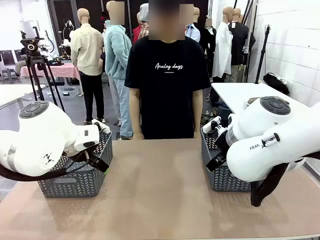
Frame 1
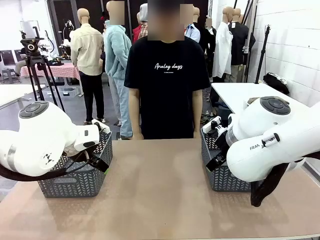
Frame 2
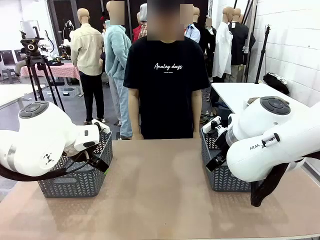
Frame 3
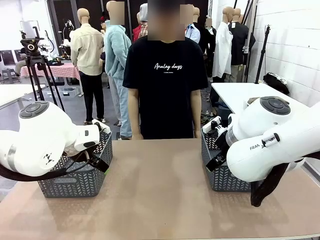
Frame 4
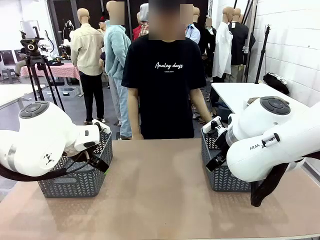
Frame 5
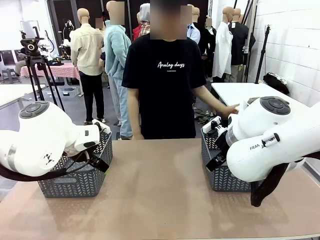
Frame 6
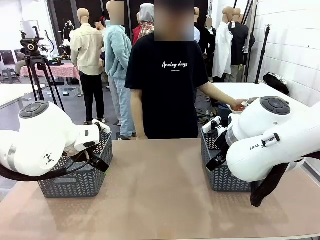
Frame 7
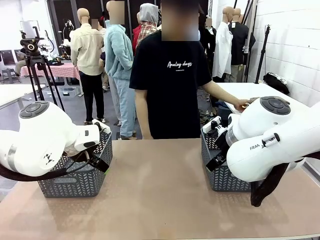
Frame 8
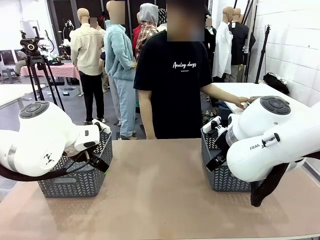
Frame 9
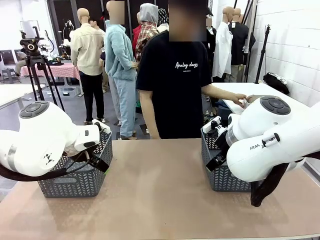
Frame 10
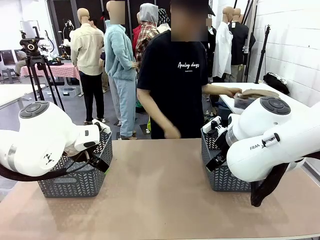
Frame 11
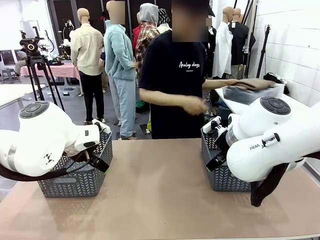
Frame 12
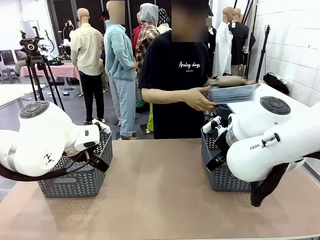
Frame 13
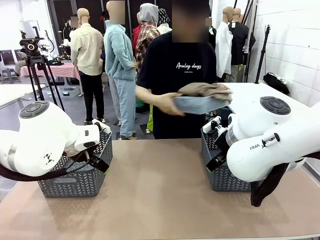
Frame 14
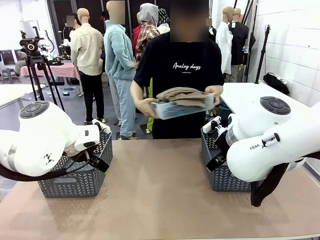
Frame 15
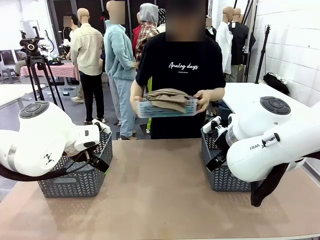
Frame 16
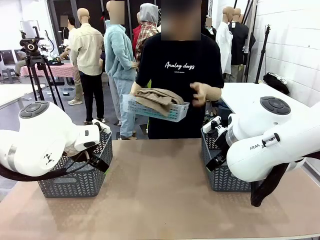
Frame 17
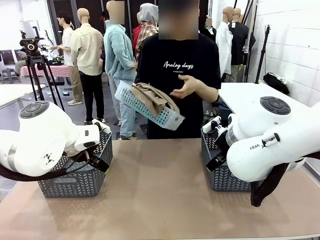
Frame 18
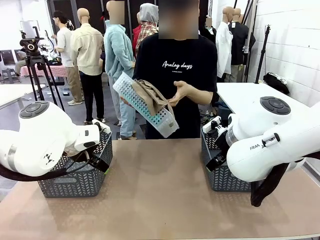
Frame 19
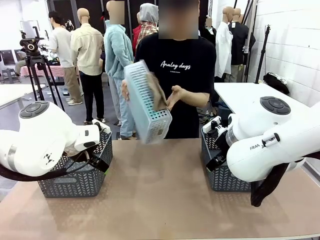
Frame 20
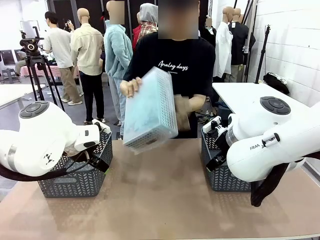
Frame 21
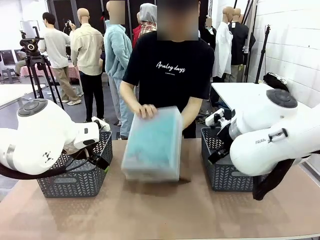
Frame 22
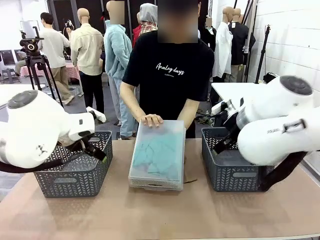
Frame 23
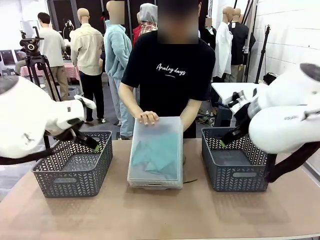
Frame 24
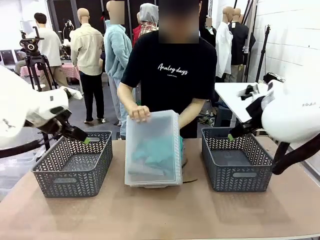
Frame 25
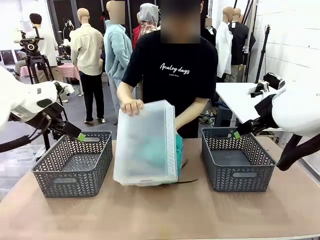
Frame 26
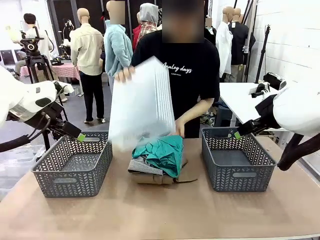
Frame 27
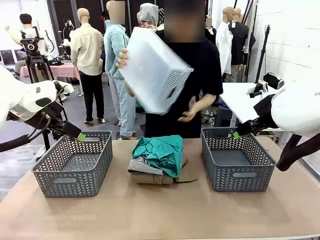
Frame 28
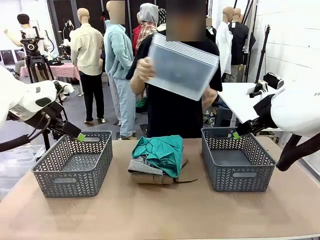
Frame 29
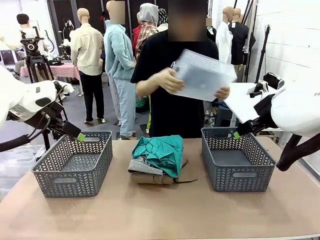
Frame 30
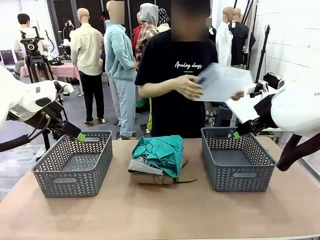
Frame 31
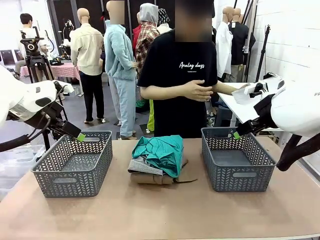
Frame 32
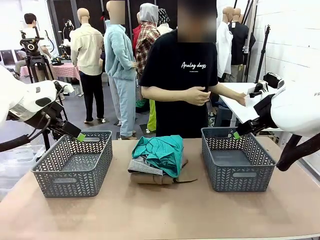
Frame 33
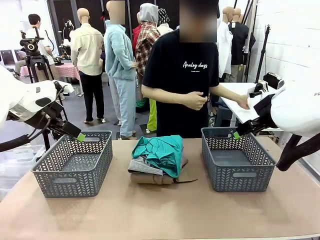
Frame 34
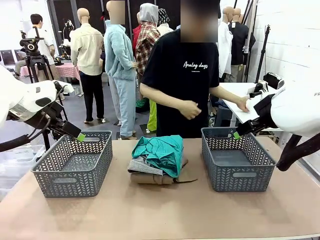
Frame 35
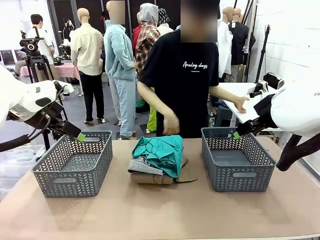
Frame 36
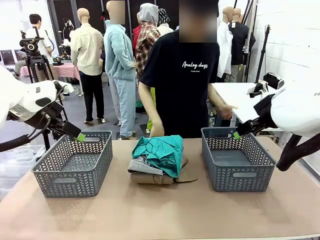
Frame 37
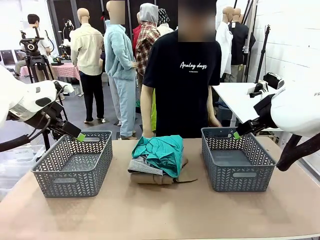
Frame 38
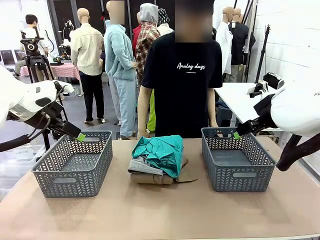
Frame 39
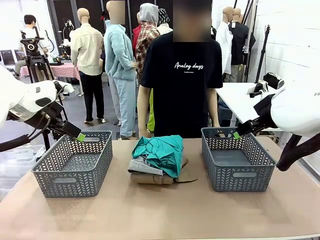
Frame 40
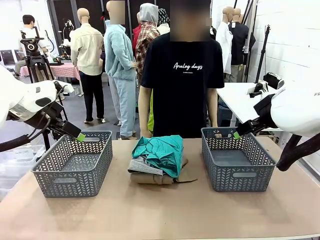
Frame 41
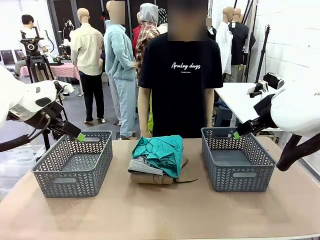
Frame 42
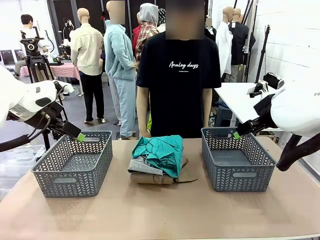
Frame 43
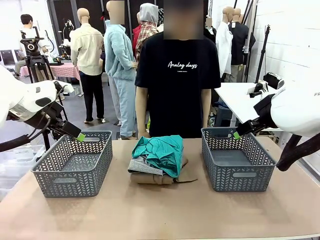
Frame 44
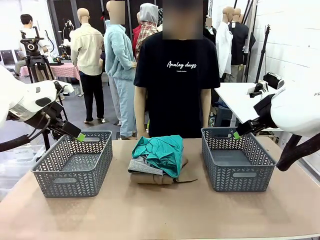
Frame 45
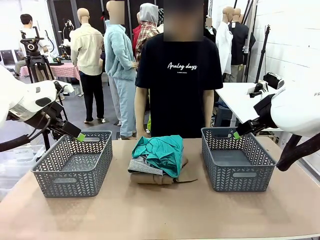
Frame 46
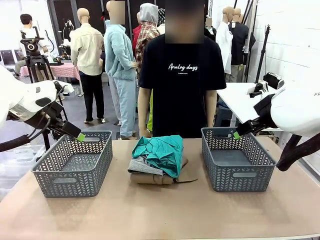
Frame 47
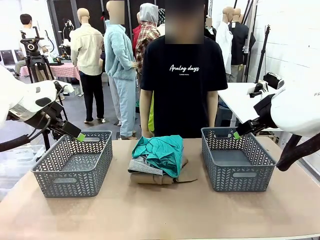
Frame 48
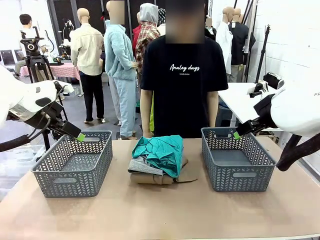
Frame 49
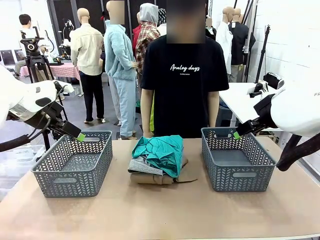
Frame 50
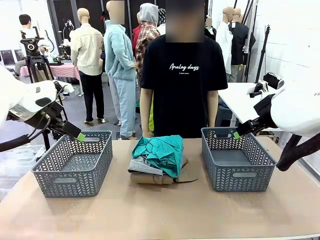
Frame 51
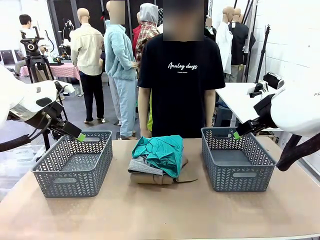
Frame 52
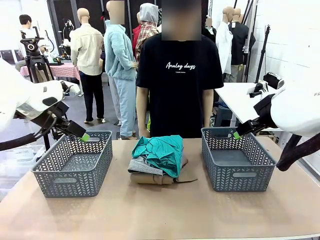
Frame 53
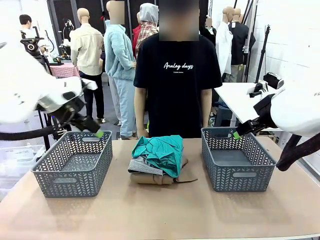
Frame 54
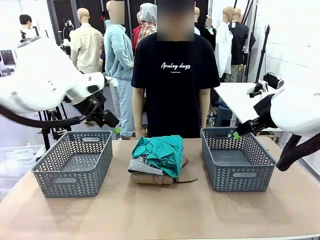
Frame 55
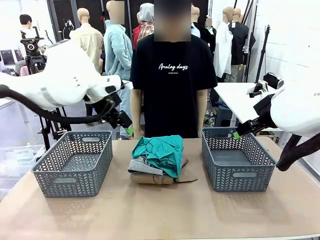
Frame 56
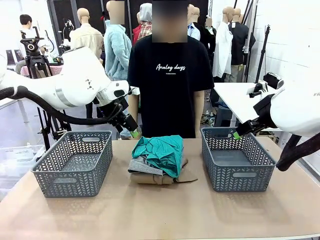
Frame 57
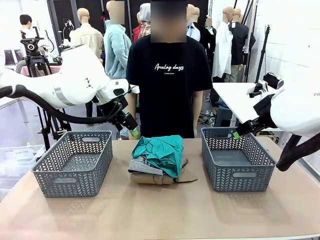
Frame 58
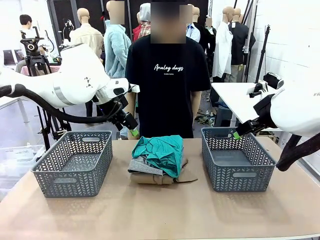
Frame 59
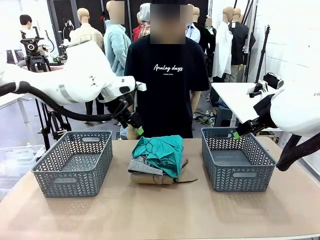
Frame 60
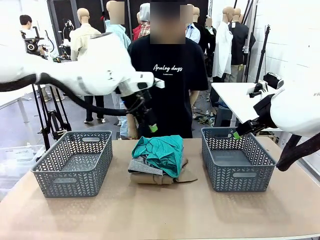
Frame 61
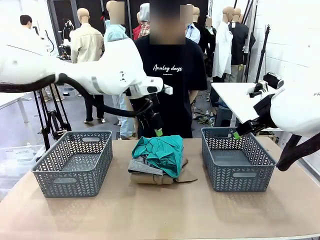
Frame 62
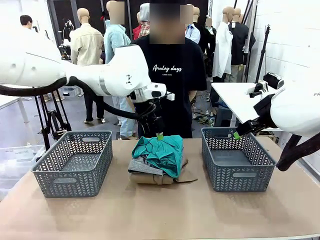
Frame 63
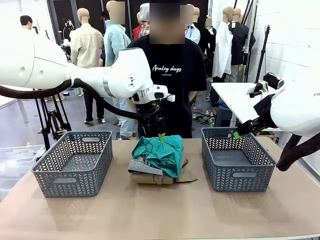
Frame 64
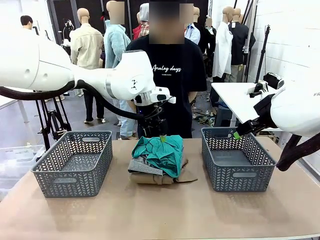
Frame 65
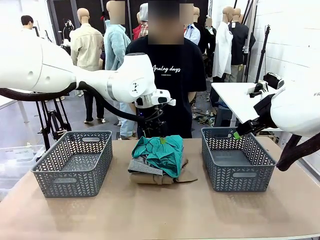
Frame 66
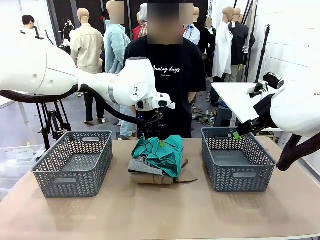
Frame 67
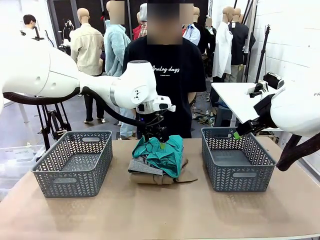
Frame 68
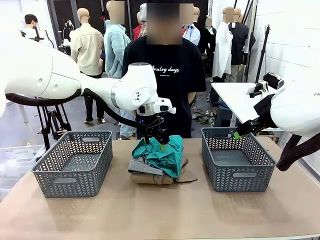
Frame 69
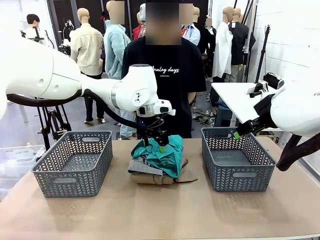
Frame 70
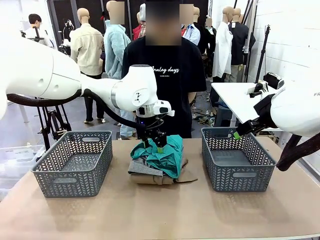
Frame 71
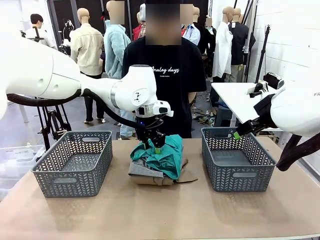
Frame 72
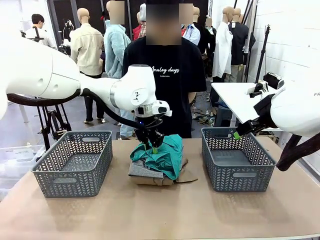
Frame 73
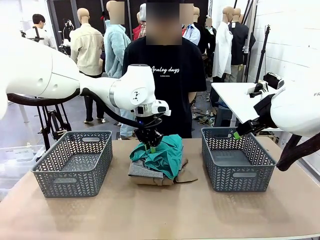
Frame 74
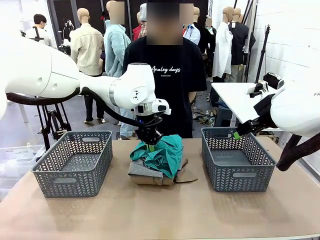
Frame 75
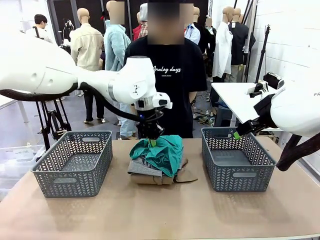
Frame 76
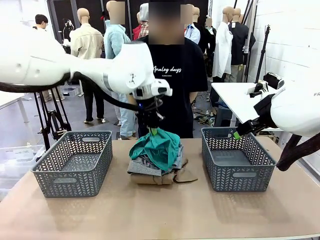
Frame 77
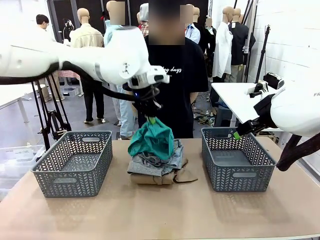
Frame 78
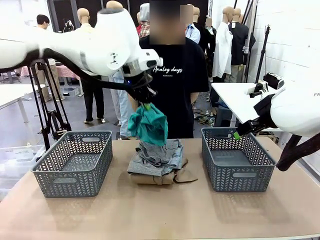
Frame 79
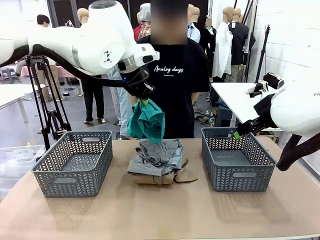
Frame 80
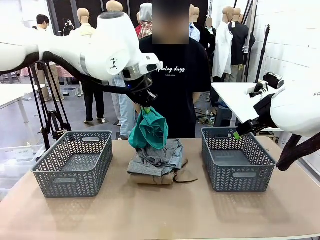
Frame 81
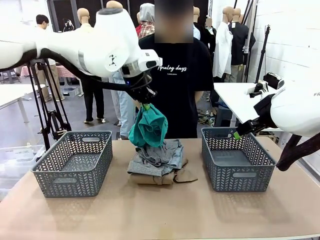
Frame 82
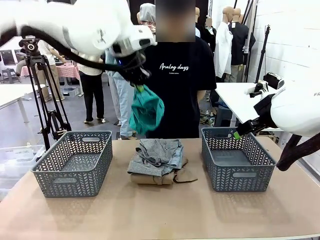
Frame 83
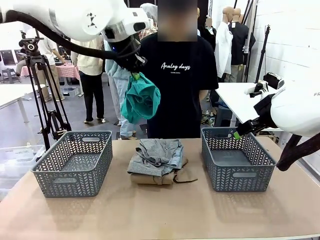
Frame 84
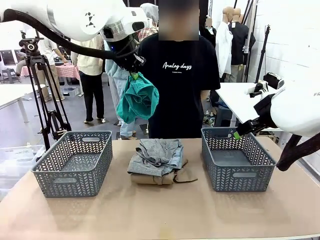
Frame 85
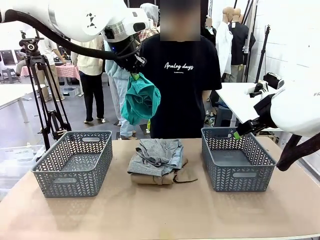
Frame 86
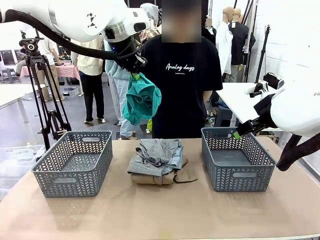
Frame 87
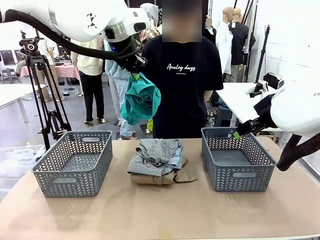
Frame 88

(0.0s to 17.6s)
Task: Sort the tops and bottoms.
Robot: Lift clothes from the center of the table with your left hand.
Person: Pour the clothes from the basket onto the center of the robot table.

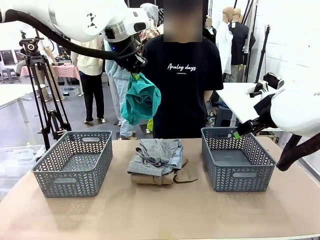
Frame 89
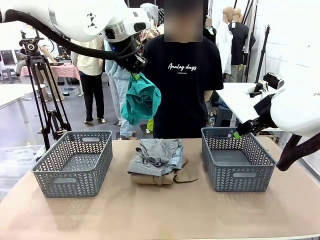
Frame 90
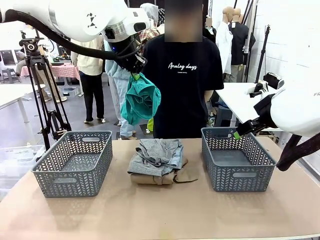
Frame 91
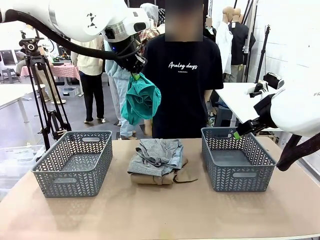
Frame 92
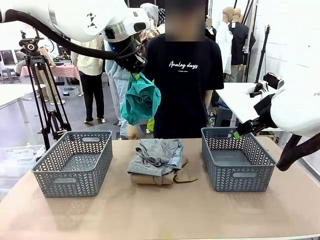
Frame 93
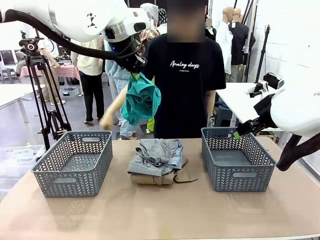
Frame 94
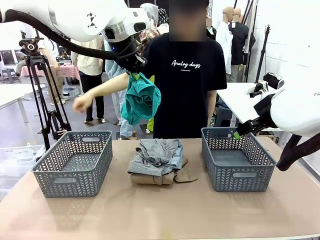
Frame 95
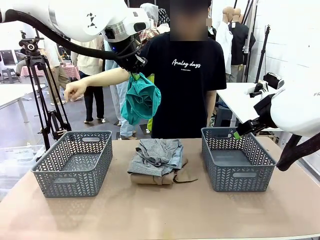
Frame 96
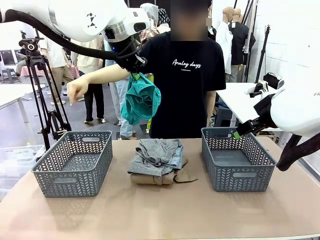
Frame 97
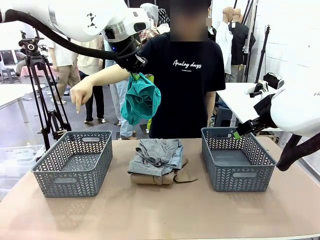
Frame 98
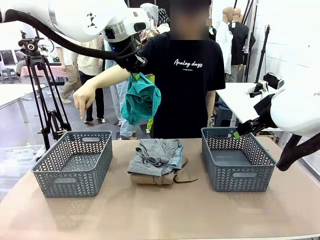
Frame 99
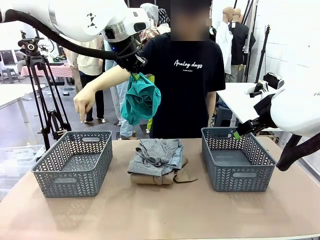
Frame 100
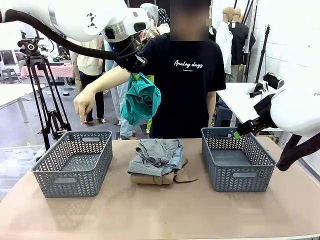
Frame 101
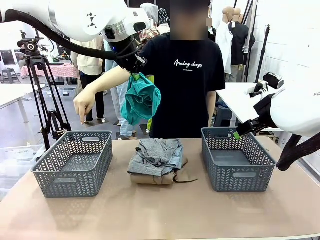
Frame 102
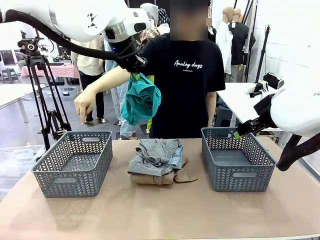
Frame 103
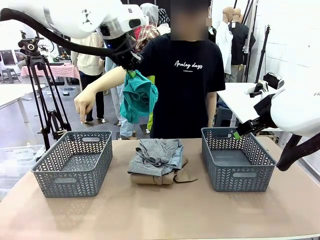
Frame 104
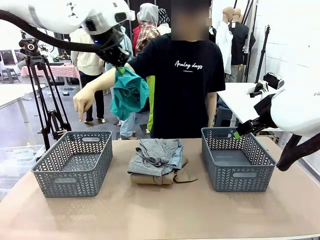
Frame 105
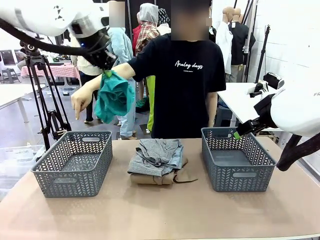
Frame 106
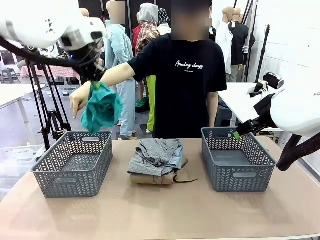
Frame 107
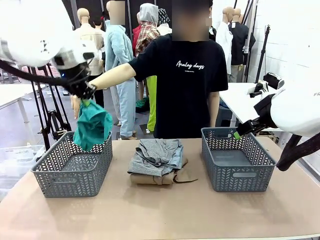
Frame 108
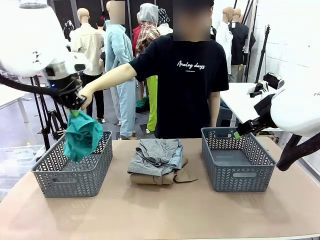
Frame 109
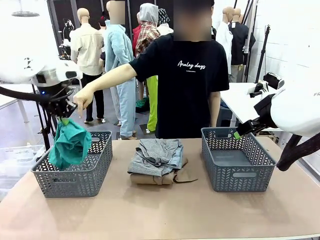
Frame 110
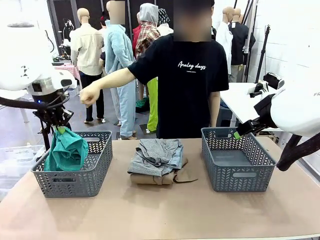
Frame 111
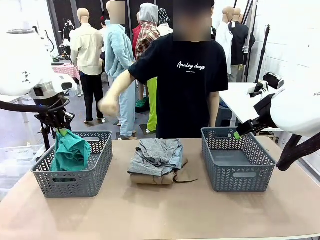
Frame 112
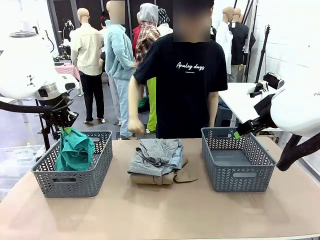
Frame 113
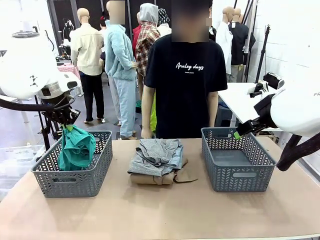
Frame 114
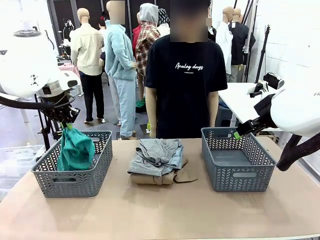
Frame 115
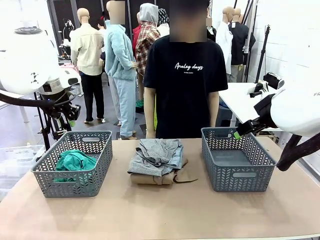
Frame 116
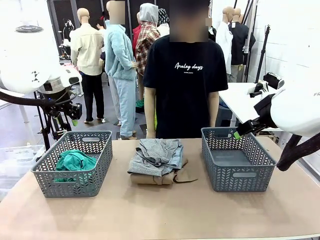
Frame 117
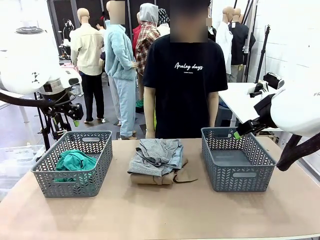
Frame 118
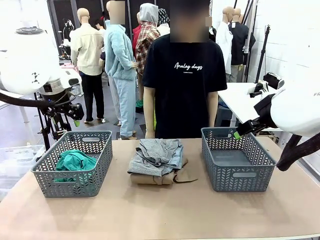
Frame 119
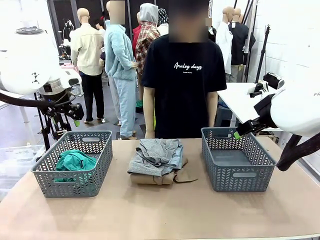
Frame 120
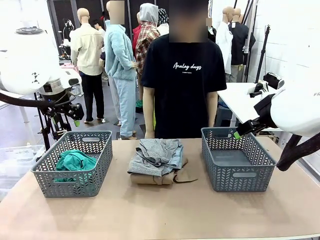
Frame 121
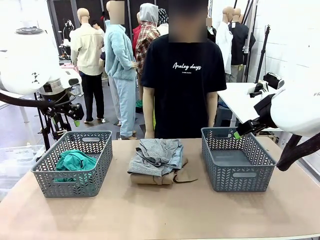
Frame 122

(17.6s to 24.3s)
Robot: Sort the clothes according to human instructions.
